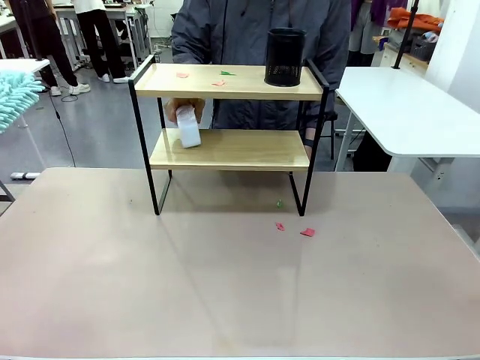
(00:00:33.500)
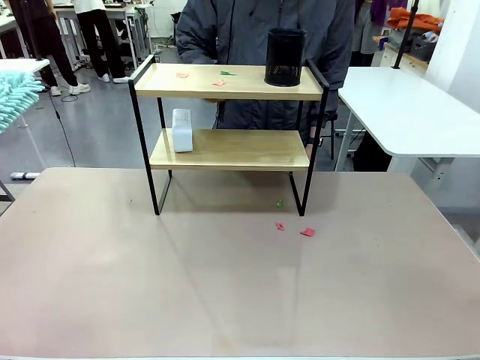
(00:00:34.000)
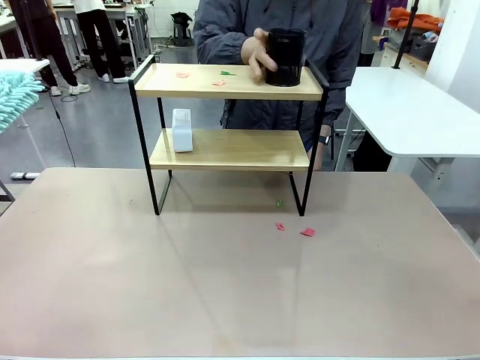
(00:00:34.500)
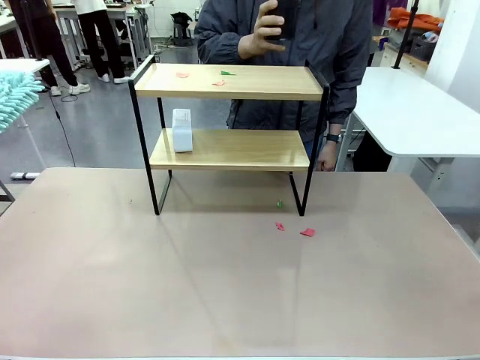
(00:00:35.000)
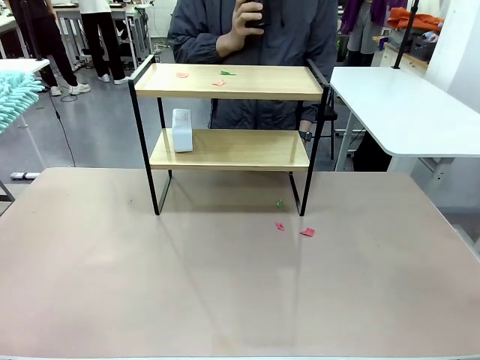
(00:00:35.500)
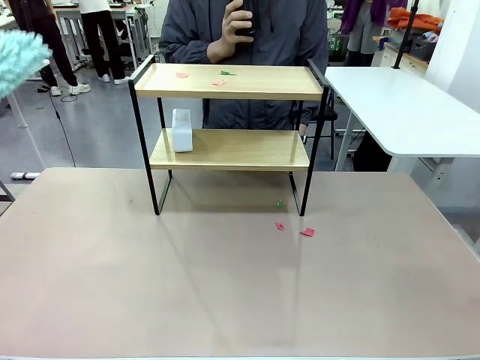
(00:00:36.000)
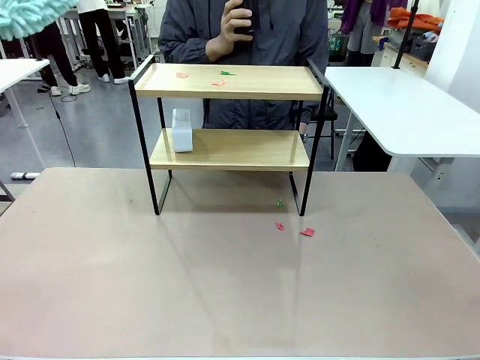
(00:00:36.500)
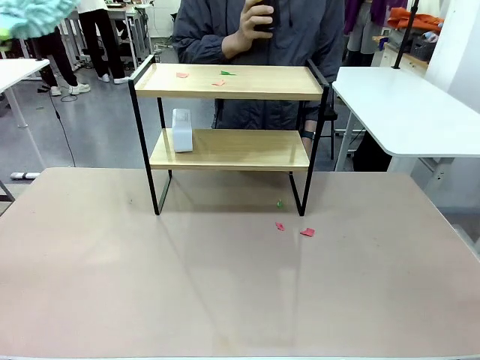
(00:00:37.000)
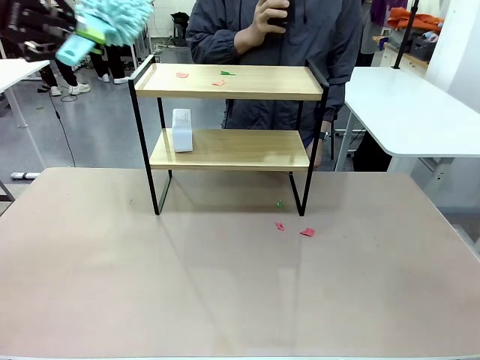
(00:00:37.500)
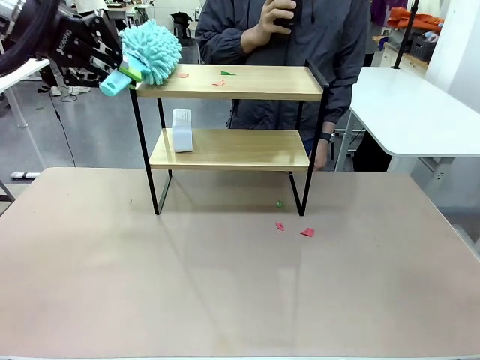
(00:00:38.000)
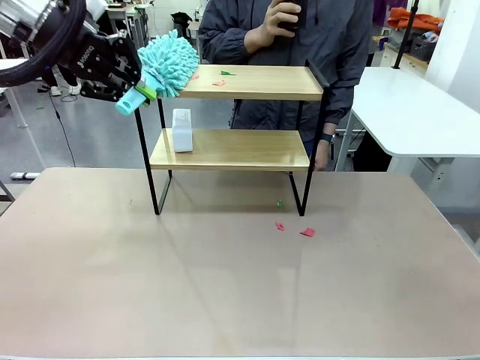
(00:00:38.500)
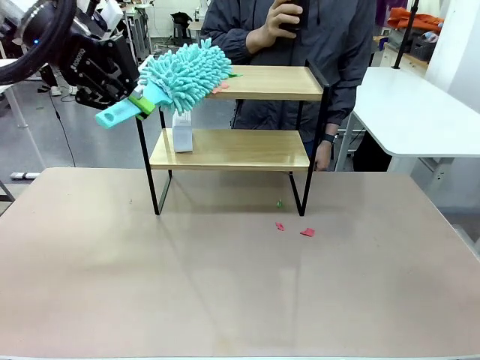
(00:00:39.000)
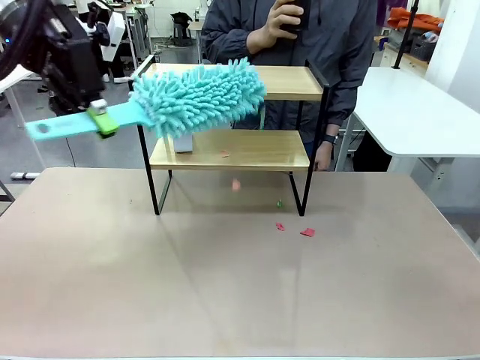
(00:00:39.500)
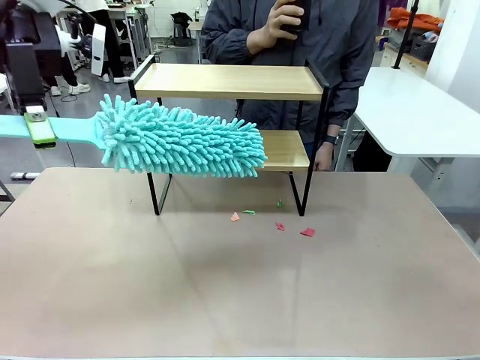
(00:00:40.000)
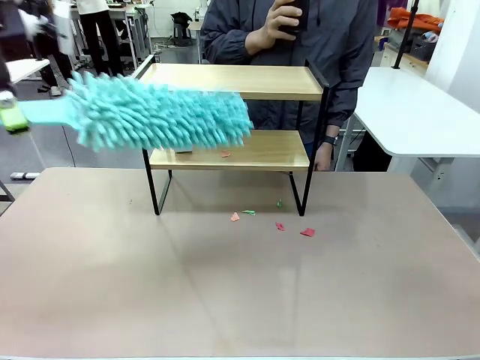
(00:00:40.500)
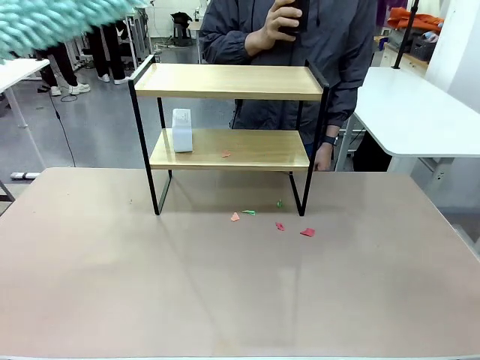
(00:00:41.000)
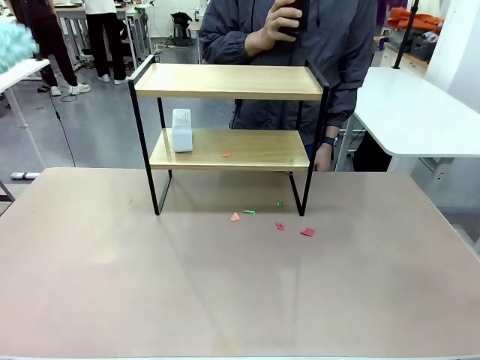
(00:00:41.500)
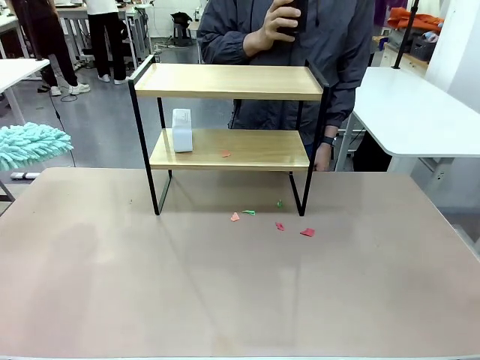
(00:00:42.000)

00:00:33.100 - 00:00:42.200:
Task: Clean the shelf.
Robot: Clean the remaining tier of the Shelf with the Duster once objects are removed.

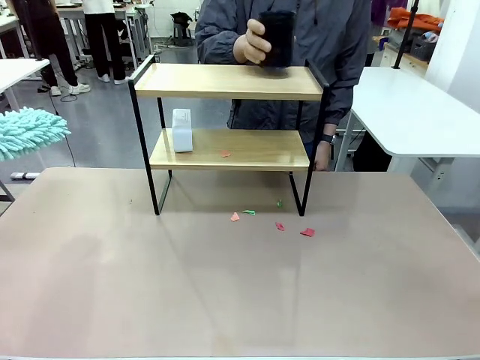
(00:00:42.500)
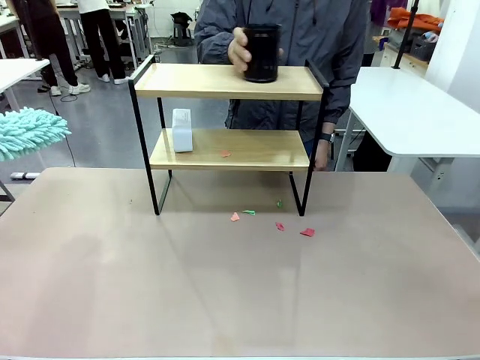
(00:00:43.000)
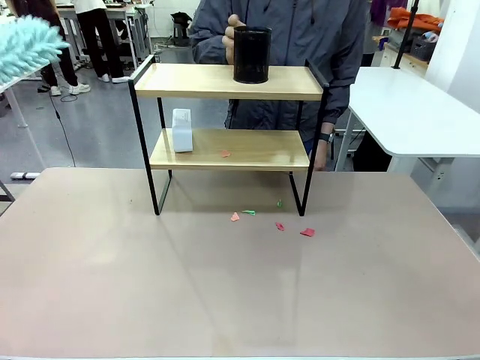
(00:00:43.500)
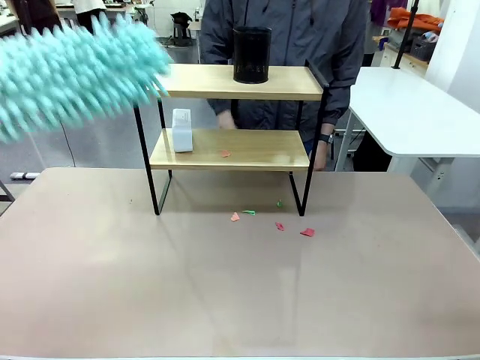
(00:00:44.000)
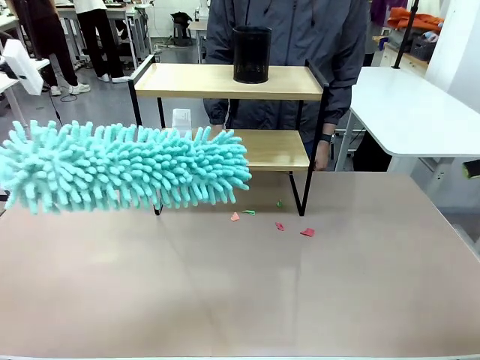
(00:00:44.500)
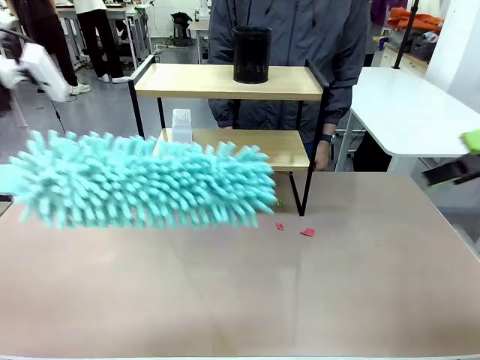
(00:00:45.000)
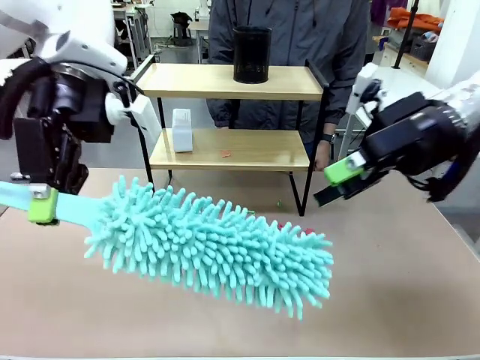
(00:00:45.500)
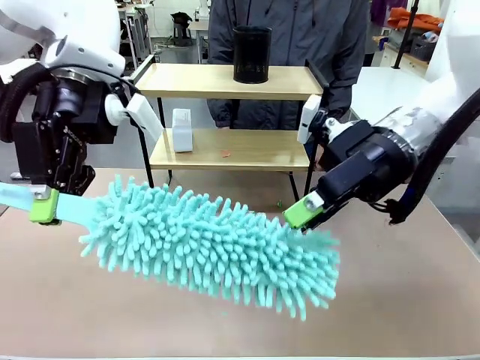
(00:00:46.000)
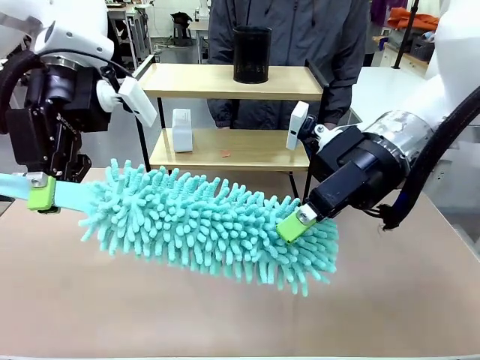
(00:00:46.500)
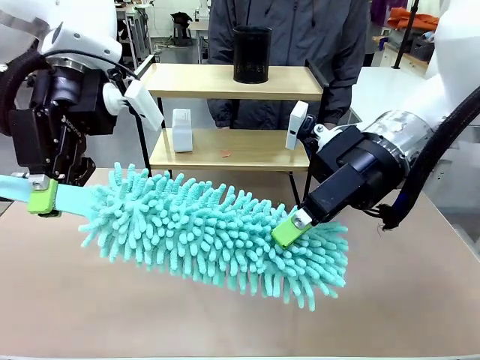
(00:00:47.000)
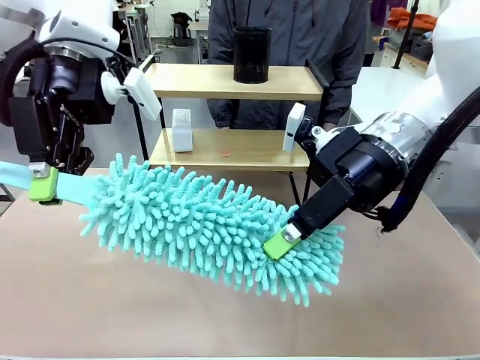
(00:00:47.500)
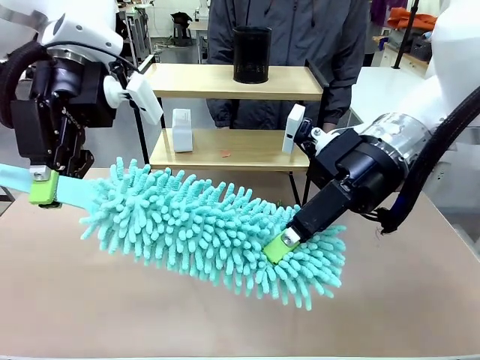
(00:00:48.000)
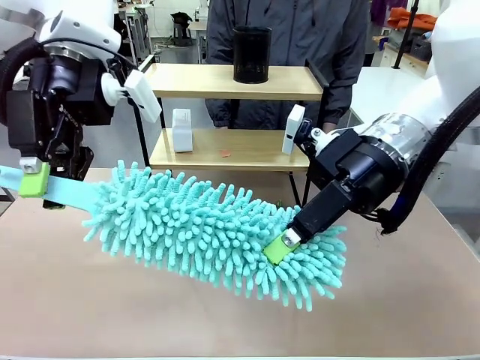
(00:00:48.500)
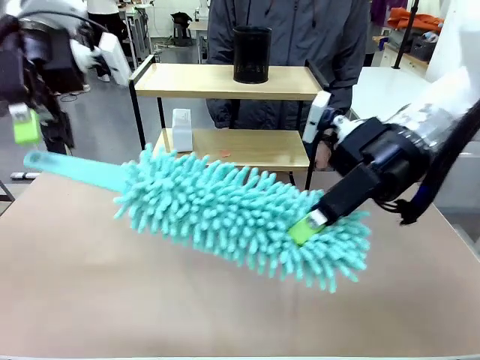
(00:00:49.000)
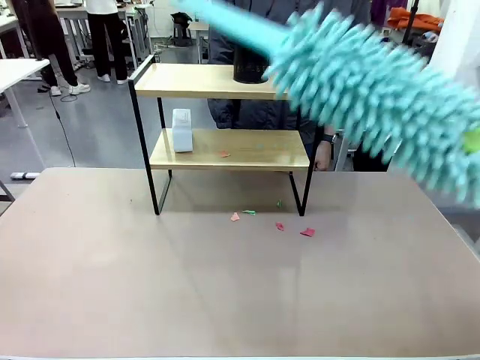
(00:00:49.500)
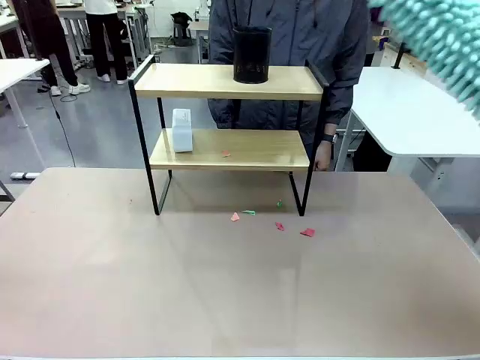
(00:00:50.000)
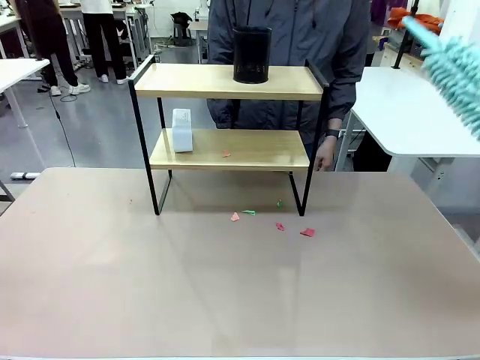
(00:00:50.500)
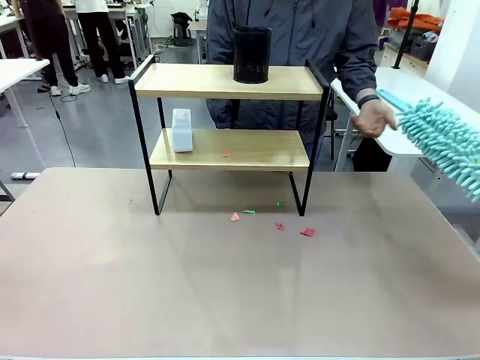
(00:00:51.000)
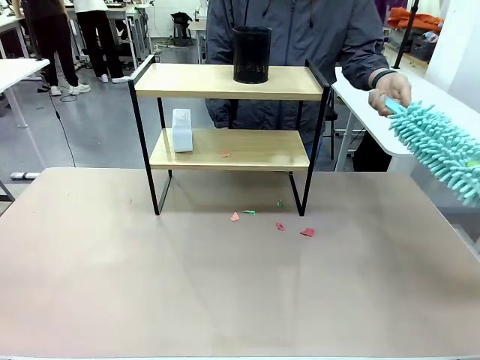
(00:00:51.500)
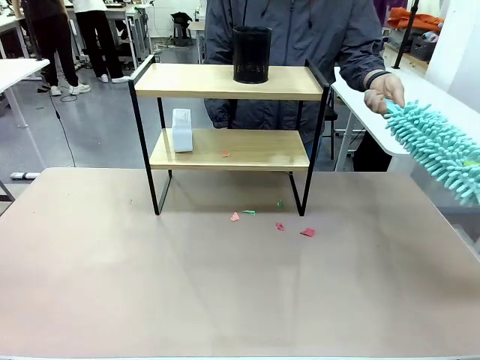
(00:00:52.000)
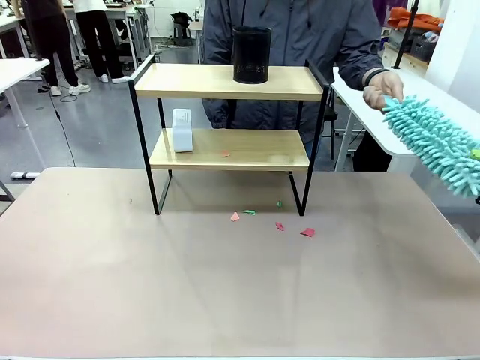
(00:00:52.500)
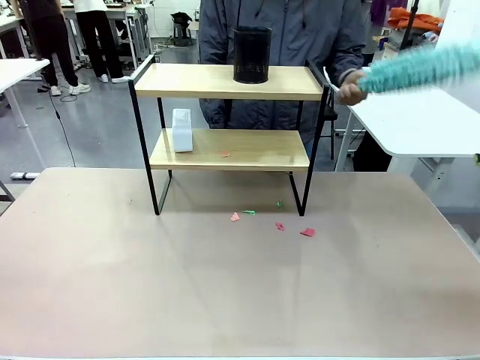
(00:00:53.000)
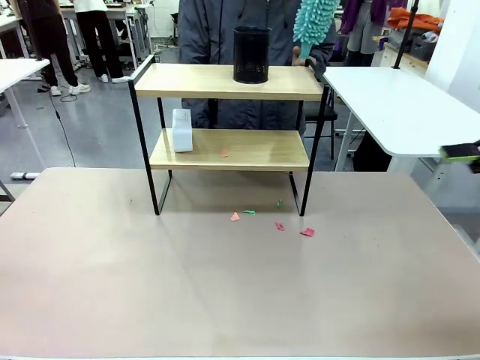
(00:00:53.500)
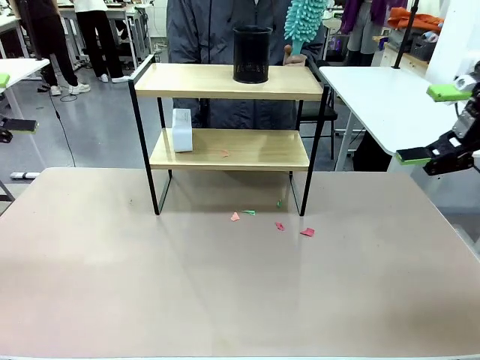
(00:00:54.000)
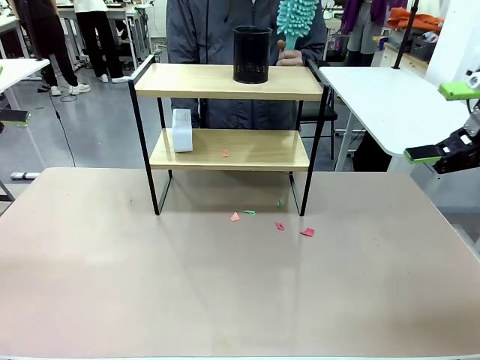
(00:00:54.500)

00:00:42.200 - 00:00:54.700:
Robot: Hand the Duster back to the human.
Person: Receive the Duster from the robot.

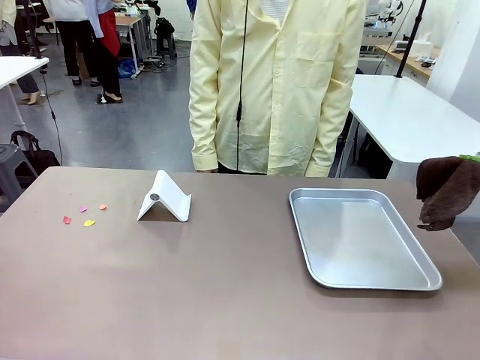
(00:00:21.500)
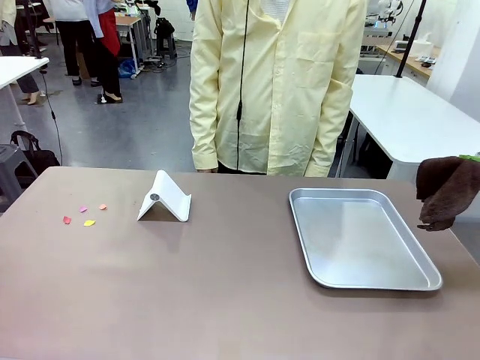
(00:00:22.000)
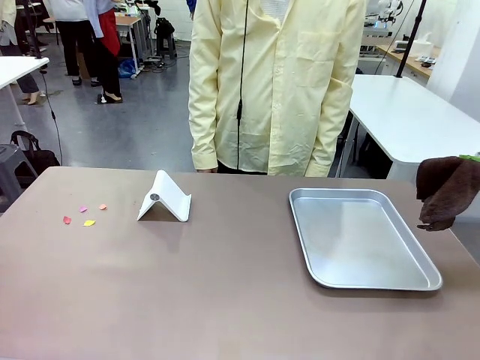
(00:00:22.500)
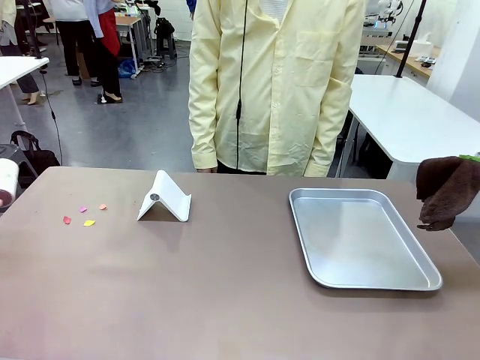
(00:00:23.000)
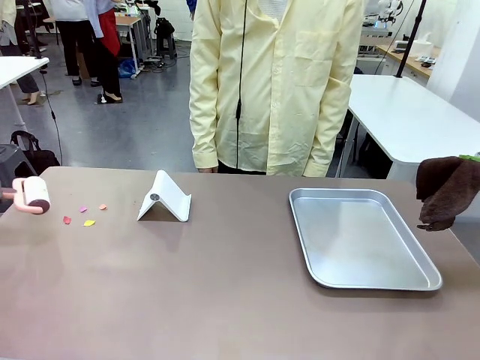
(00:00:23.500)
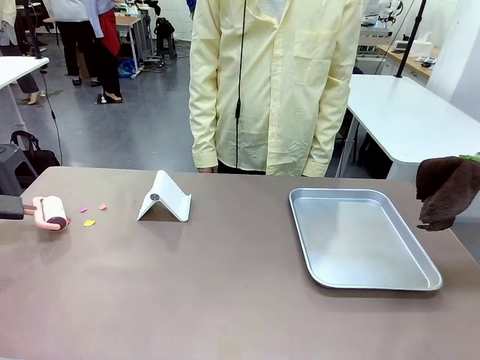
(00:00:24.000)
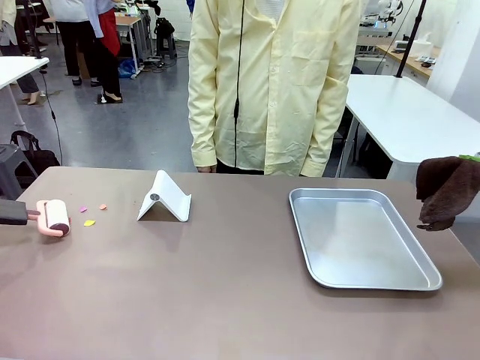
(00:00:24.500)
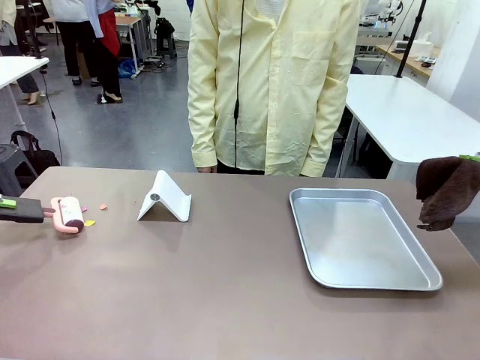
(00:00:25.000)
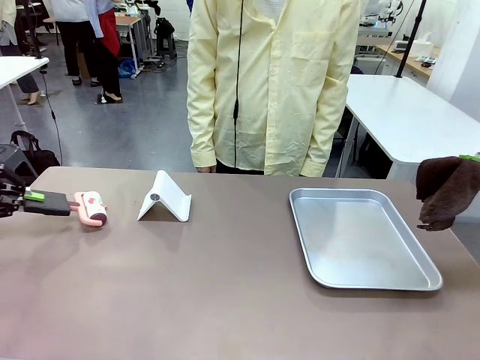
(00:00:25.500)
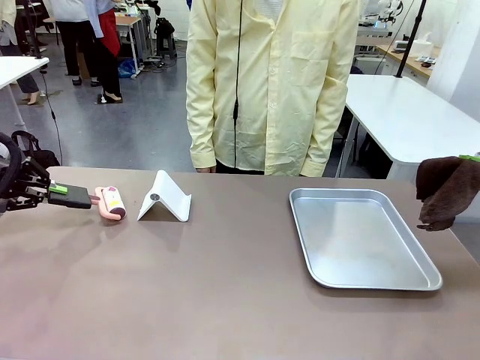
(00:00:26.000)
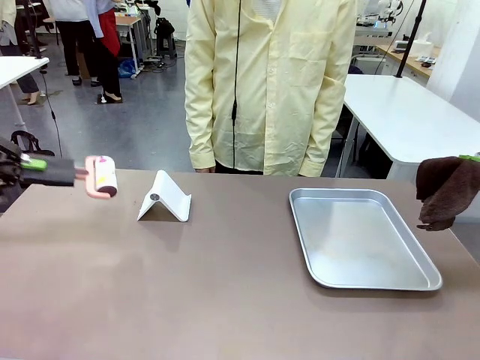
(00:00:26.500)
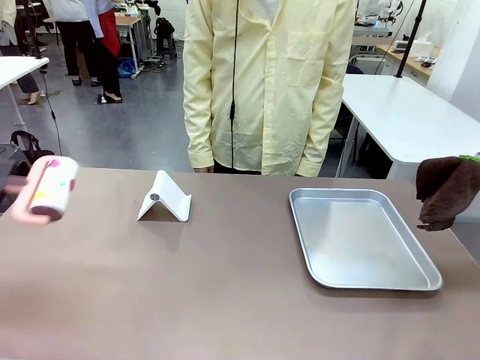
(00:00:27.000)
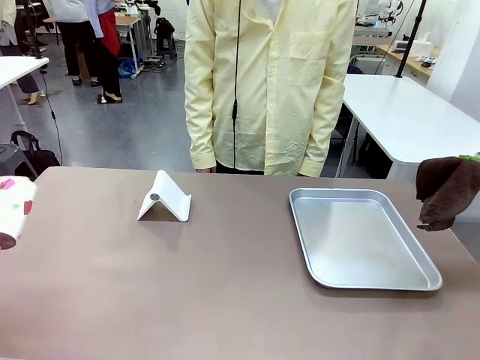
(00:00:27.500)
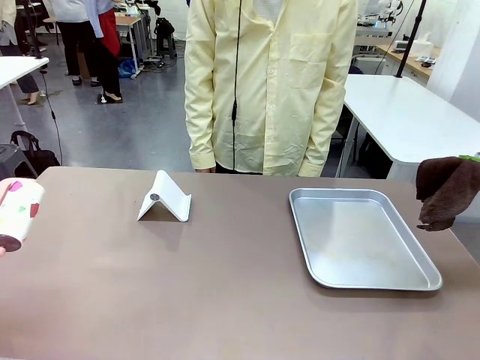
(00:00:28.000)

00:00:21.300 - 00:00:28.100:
Task: Clean the surface of the table.
Robot: Clean the area not pointed to by the person.
